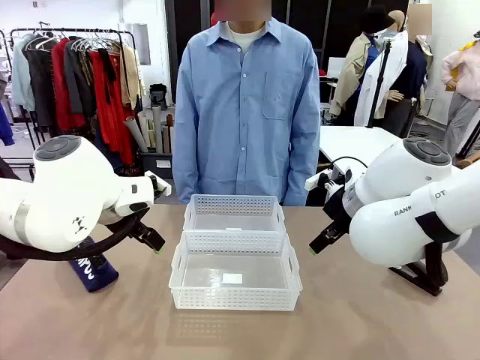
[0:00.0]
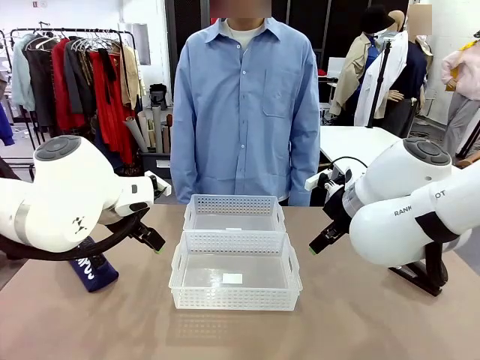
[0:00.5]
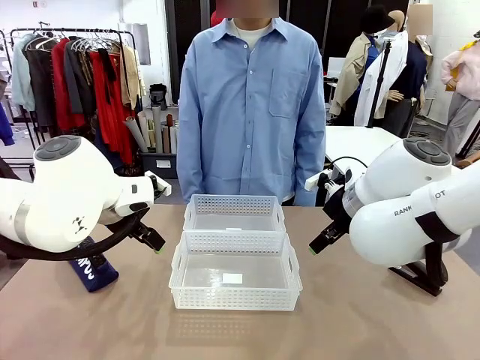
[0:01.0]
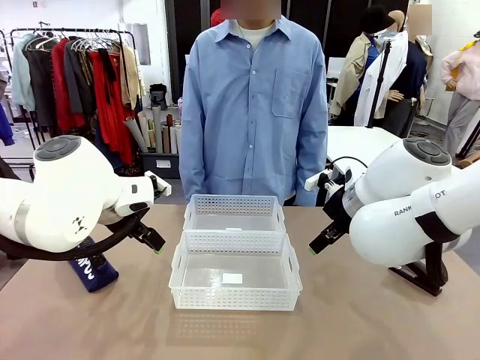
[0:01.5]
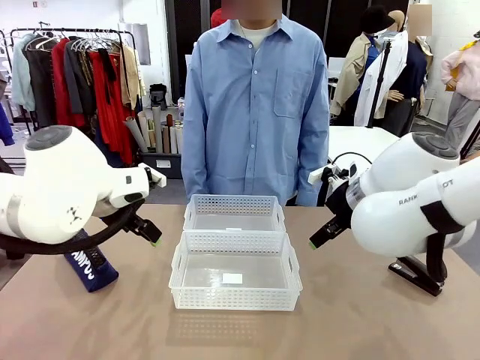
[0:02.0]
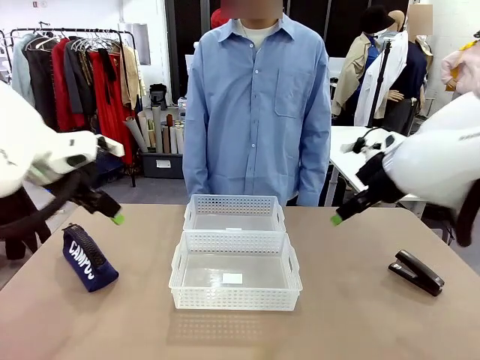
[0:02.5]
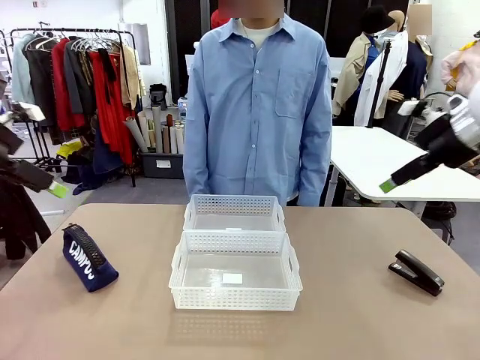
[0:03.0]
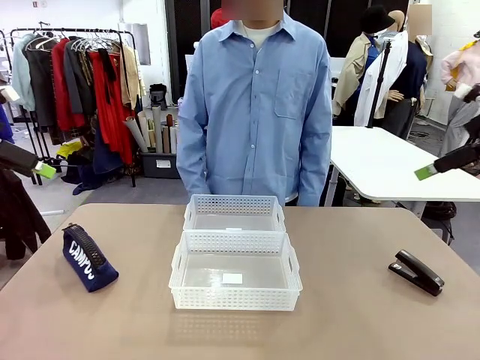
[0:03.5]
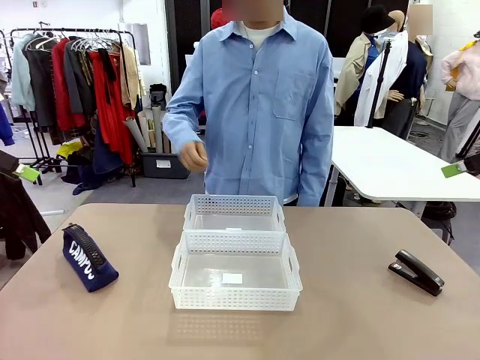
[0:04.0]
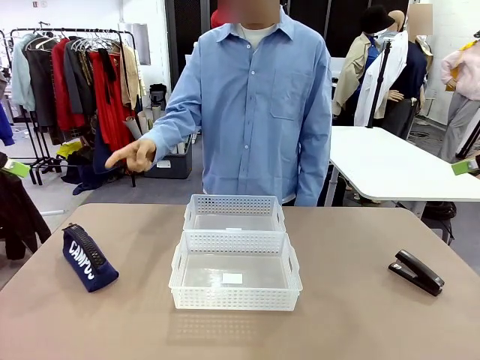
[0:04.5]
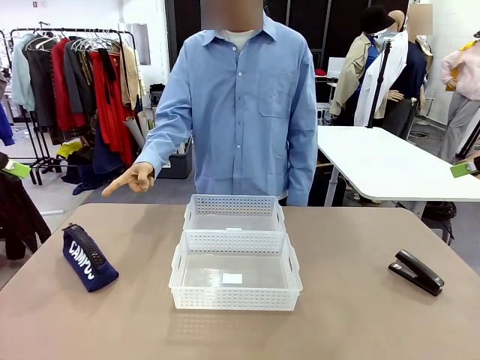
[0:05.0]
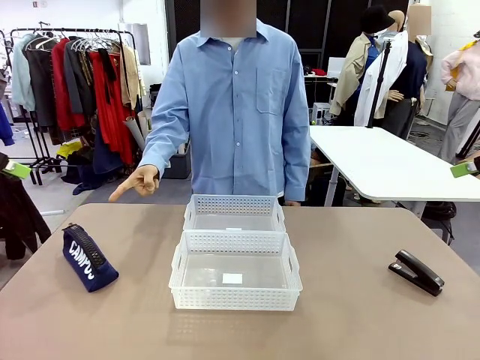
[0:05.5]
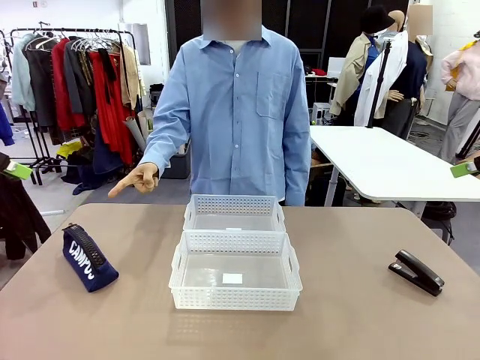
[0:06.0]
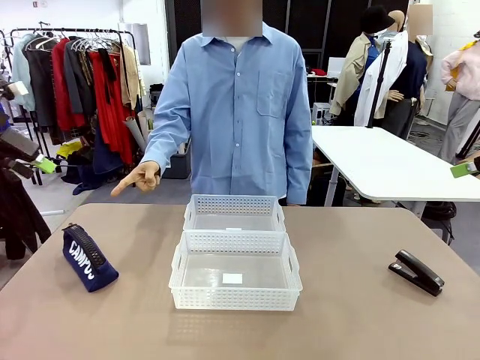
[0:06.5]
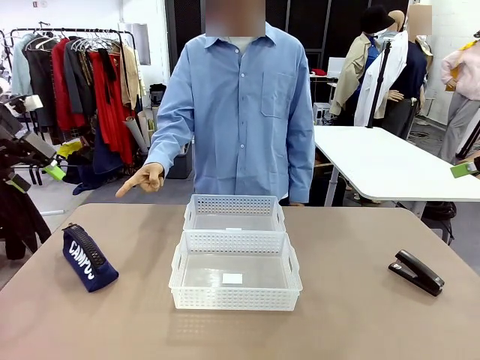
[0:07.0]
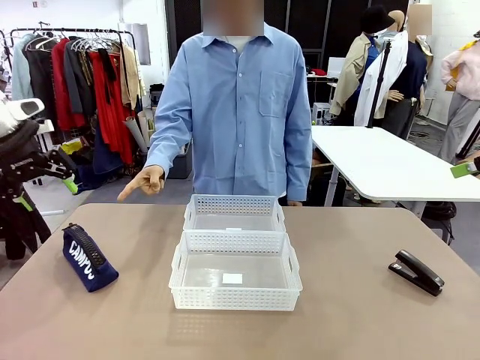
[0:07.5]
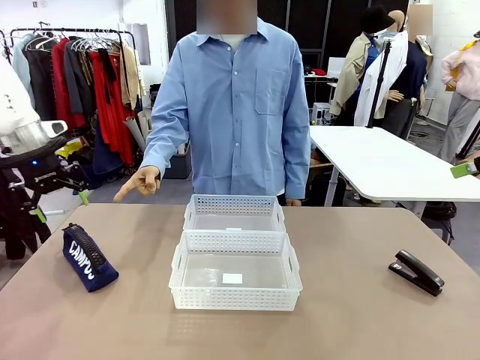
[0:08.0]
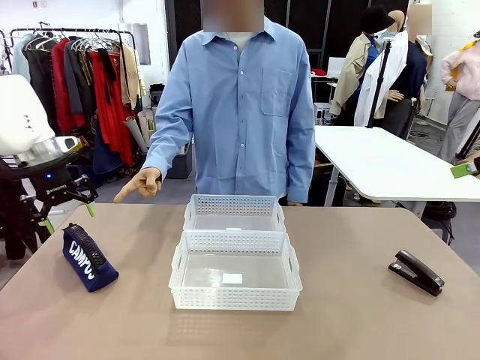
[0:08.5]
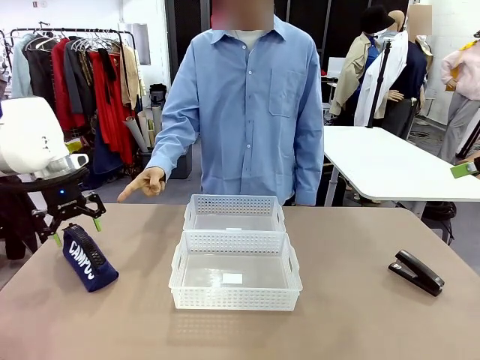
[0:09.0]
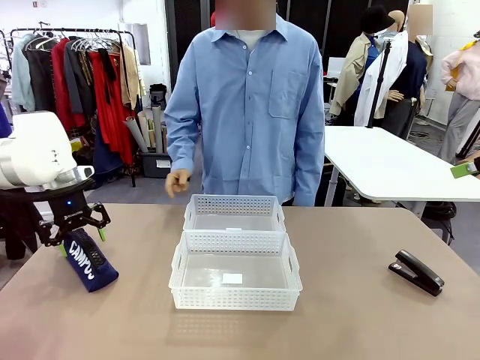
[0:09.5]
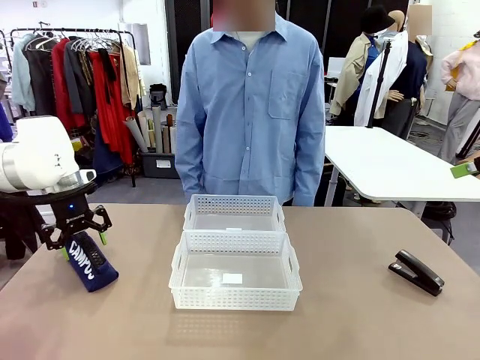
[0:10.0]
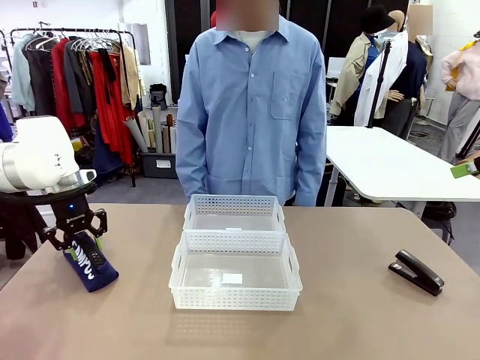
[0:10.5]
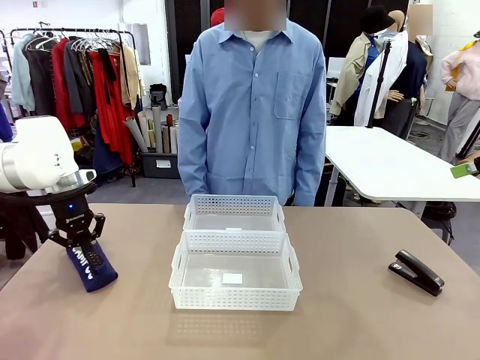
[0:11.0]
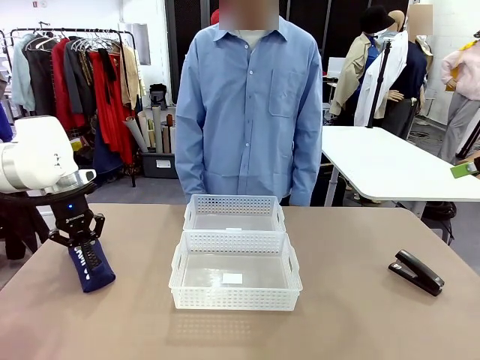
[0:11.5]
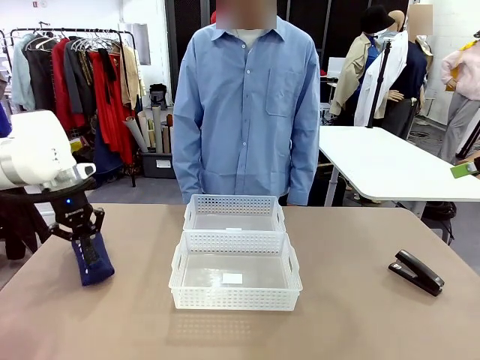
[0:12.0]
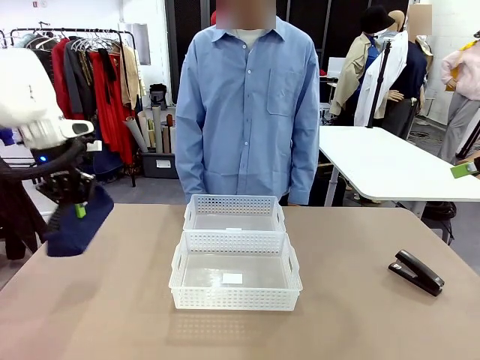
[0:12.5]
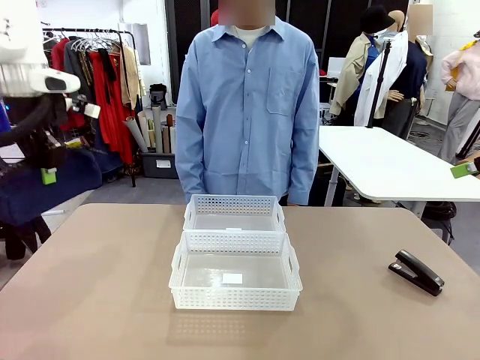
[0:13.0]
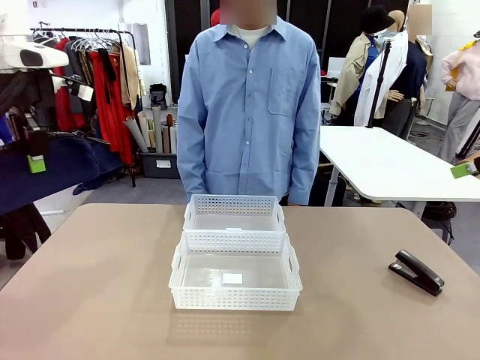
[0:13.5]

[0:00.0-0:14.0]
Task: Distribute items into two baskets.
Robot: Pick up the Pencil pouch that the person points to.
Person: Points to the pencil case. Points between the two organizing baskets and instructs the robot to move the pencil case.

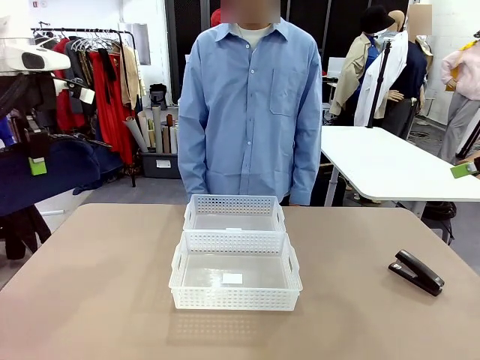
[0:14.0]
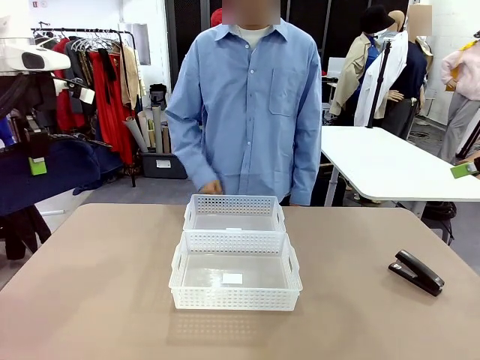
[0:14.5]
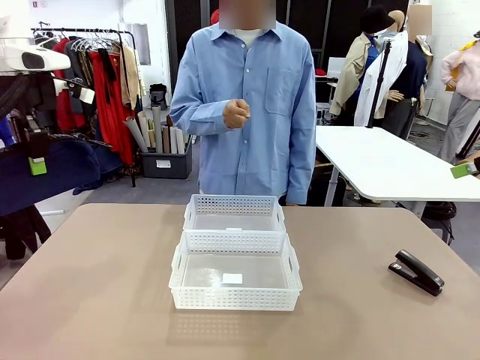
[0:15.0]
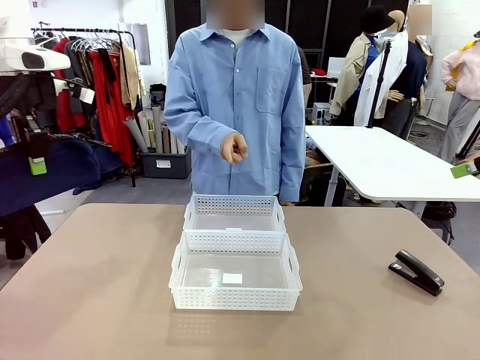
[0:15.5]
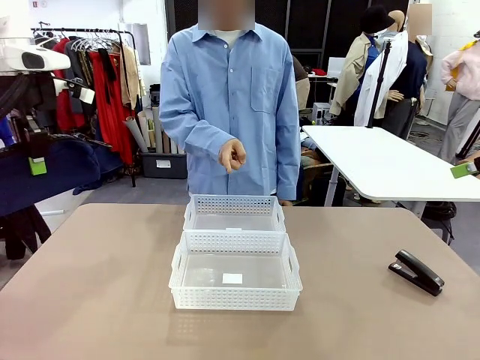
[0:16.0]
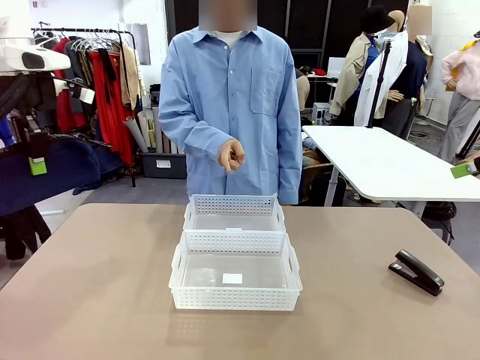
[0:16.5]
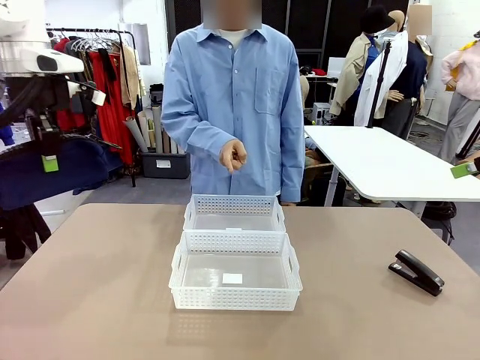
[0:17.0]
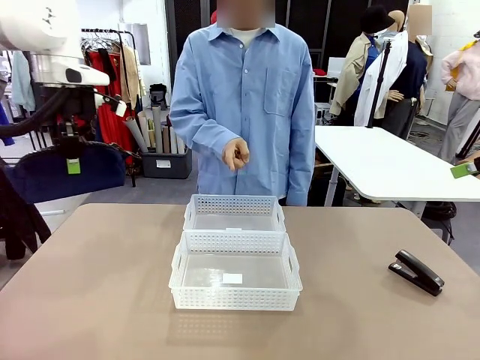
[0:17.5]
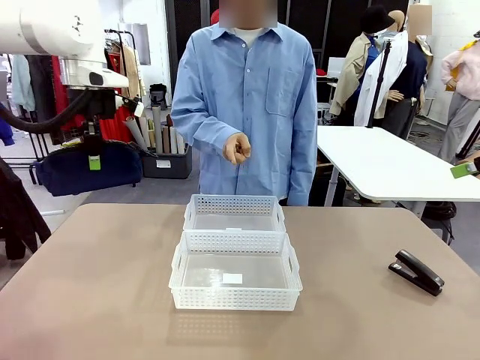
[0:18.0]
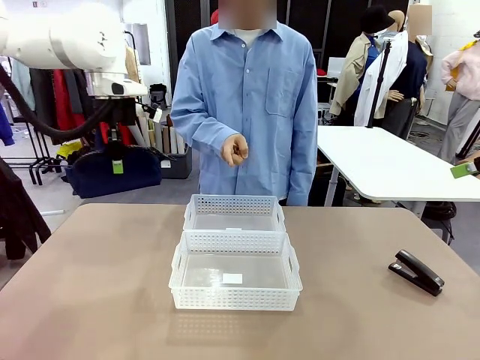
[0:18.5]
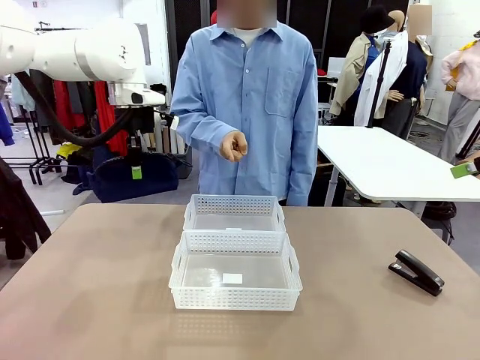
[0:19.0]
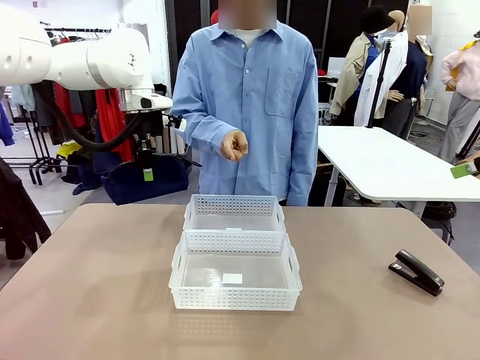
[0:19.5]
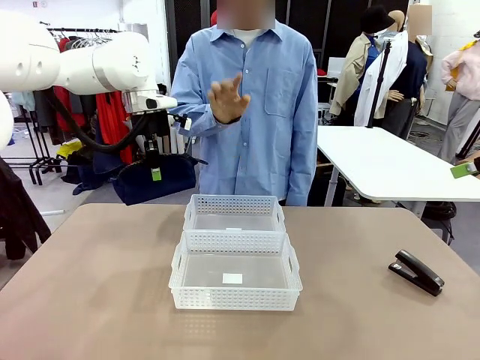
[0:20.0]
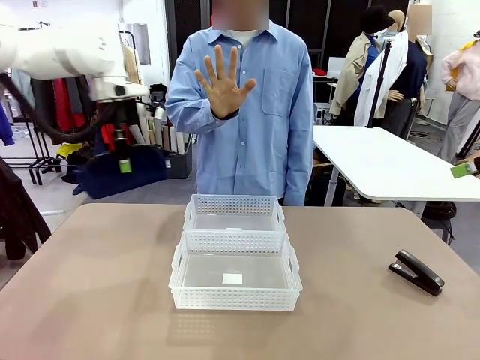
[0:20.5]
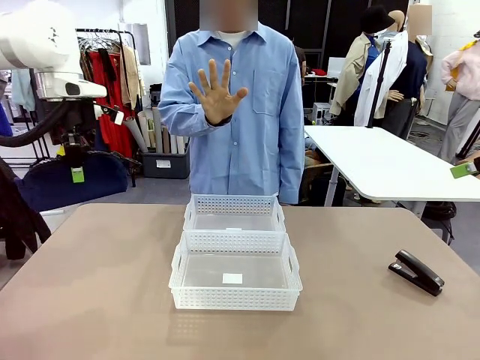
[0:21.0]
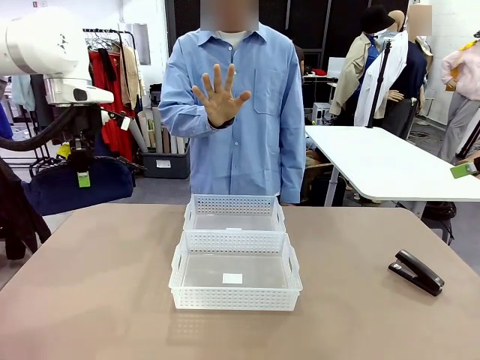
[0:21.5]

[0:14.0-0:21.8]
Robot: Move the picked Pencil pouch towards the Organizing basket indicated by the person, stopping as directed.
Person: Sends a stop gesture before the robot places the pencil case into the basket.

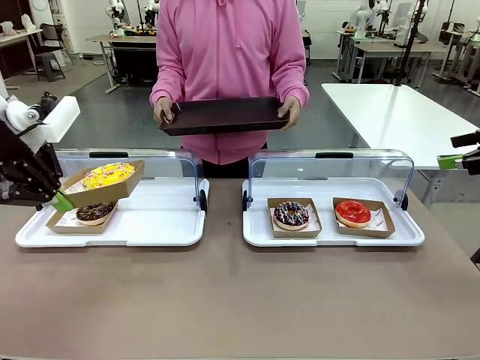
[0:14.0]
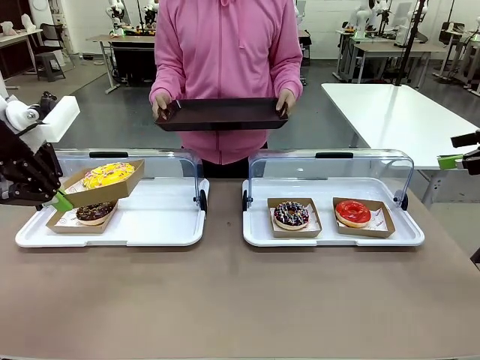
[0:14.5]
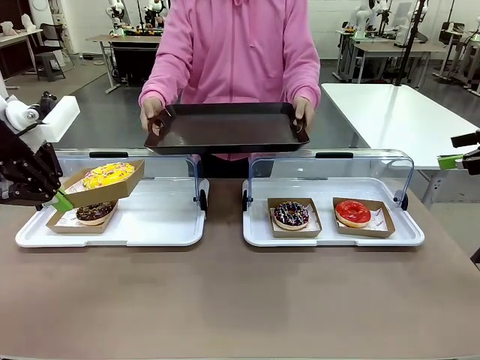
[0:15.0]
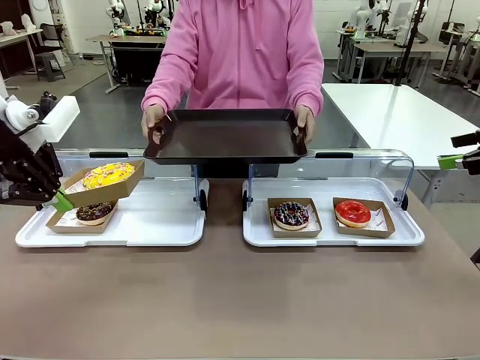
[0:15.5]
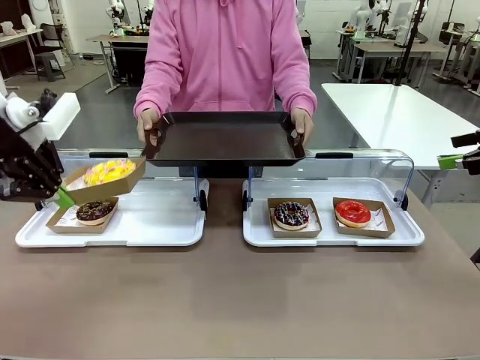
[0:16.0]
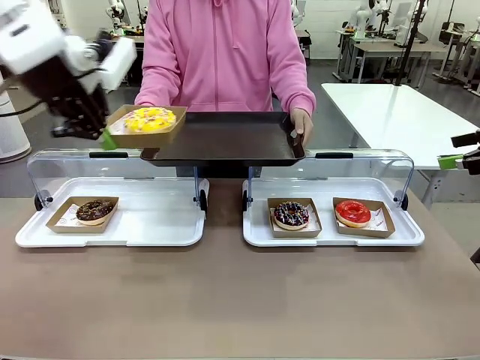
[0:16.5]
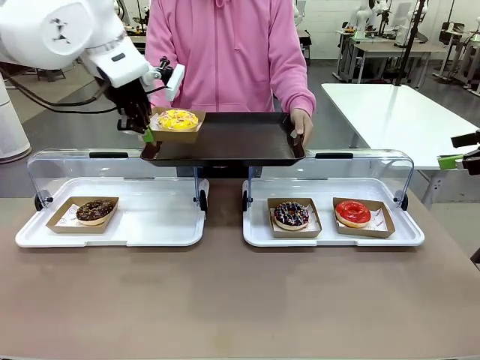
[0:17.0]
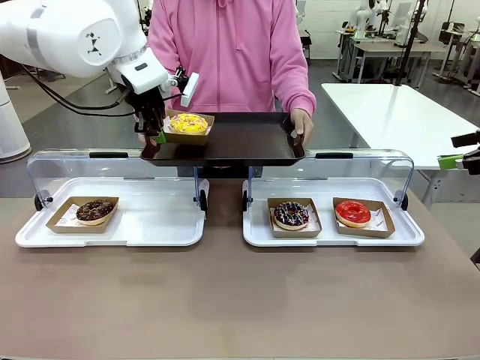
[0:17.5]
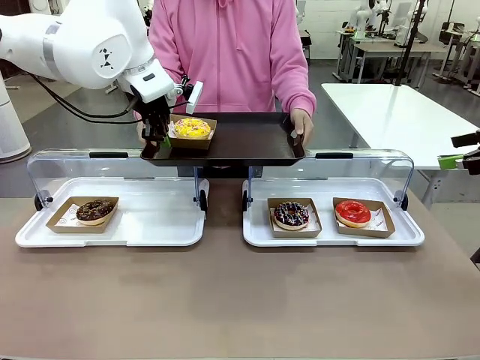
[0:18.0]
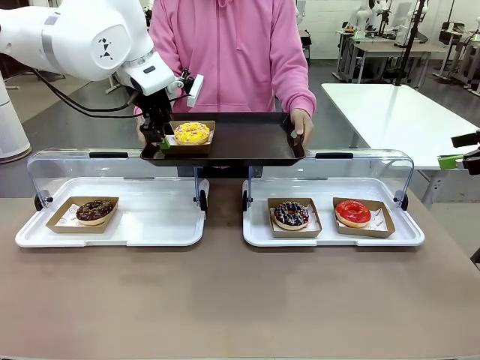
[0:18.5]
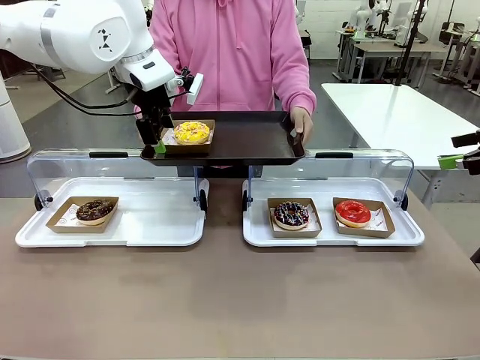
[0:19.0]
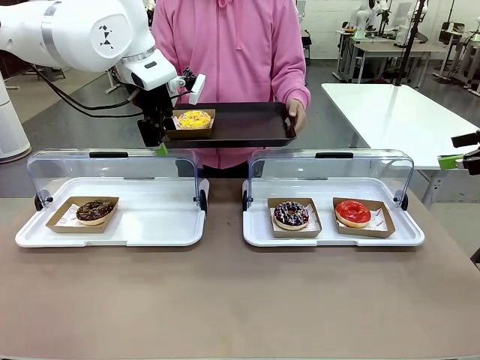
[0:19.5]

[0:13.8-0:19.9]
Task: Provide the desired donut to the person.
Robot: Place the picked Paper togo box onto the Handle tray extended by the person.
